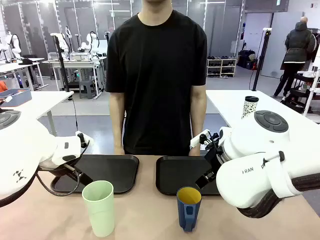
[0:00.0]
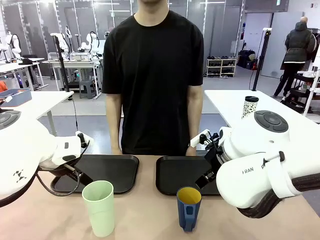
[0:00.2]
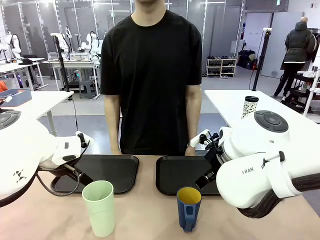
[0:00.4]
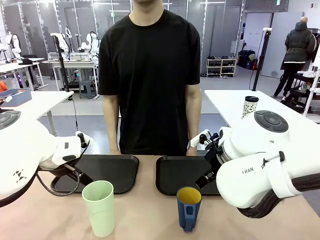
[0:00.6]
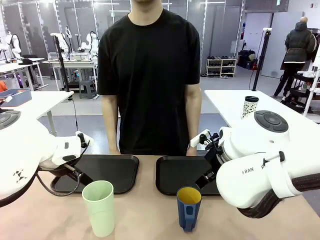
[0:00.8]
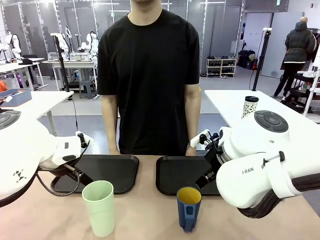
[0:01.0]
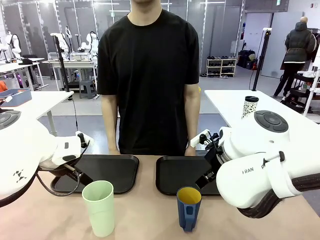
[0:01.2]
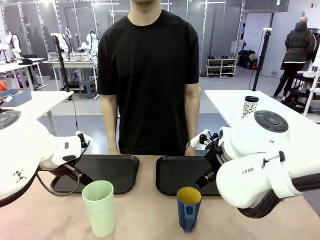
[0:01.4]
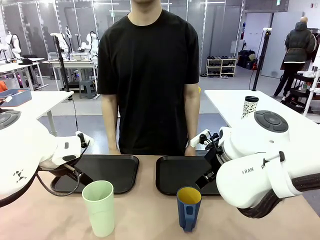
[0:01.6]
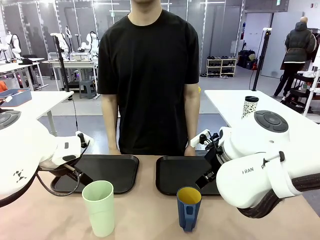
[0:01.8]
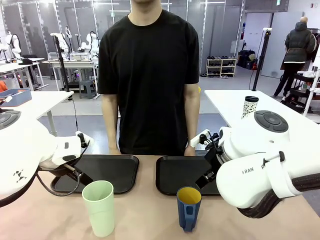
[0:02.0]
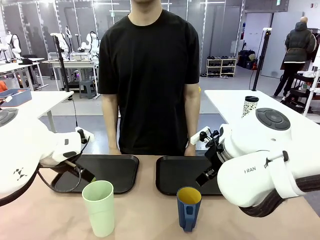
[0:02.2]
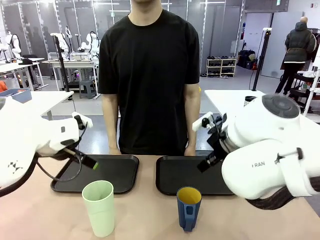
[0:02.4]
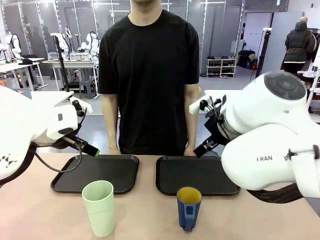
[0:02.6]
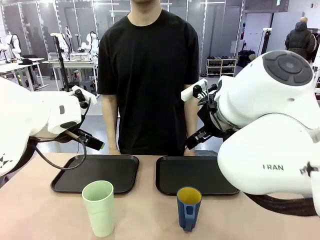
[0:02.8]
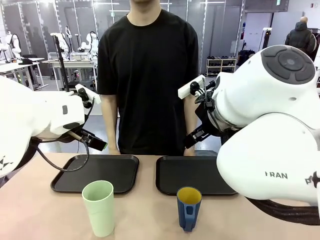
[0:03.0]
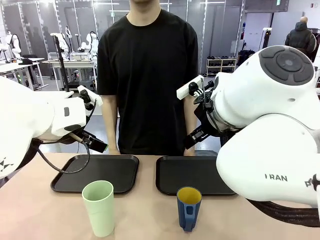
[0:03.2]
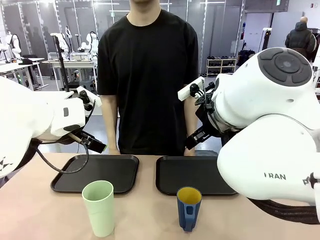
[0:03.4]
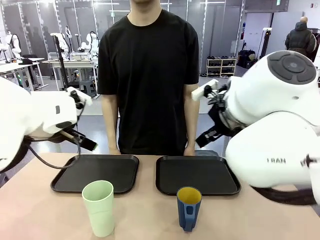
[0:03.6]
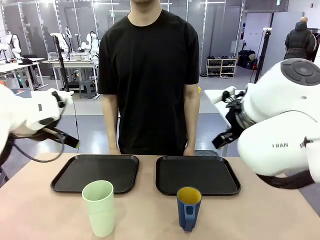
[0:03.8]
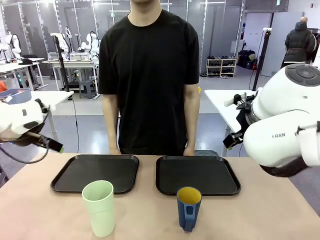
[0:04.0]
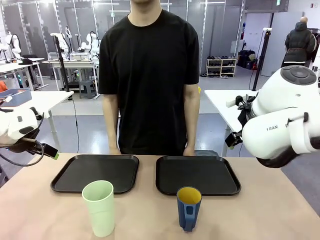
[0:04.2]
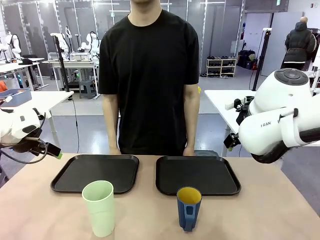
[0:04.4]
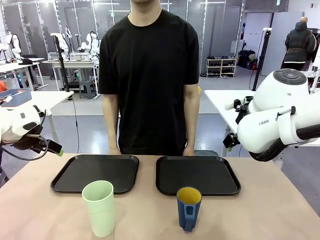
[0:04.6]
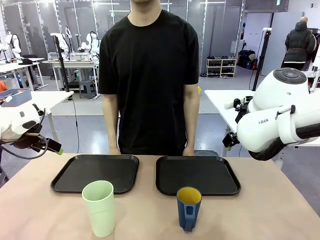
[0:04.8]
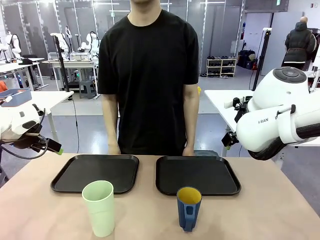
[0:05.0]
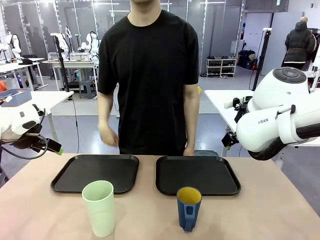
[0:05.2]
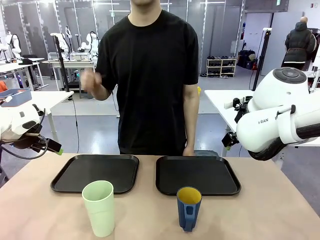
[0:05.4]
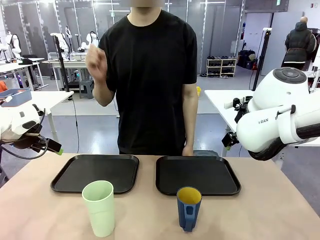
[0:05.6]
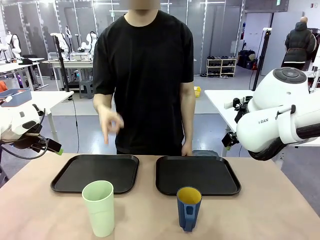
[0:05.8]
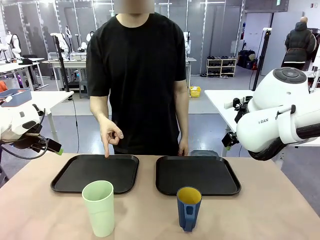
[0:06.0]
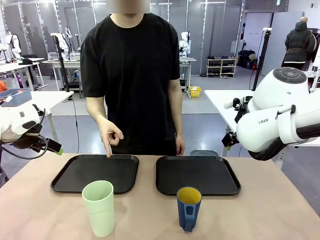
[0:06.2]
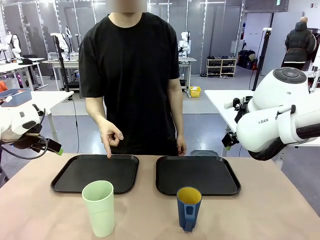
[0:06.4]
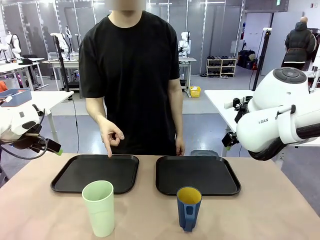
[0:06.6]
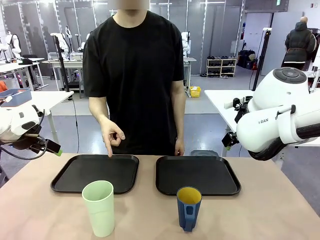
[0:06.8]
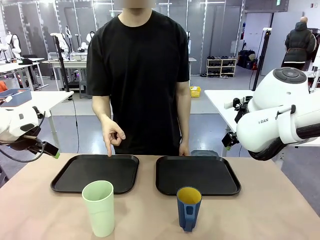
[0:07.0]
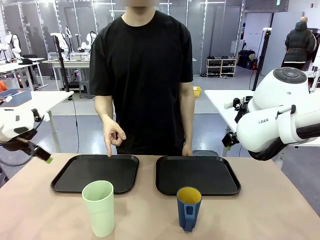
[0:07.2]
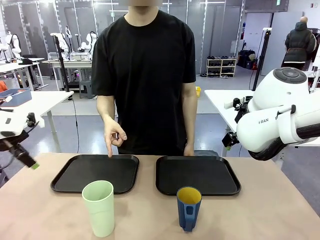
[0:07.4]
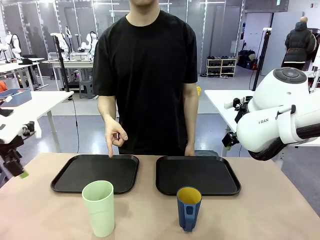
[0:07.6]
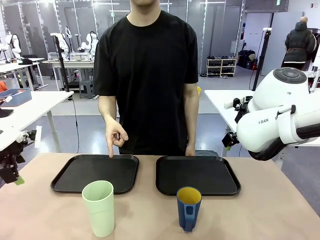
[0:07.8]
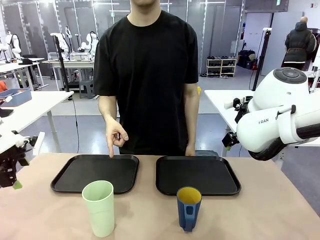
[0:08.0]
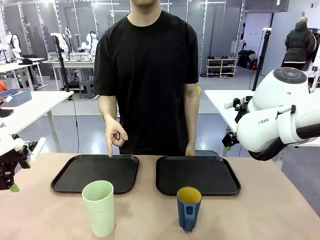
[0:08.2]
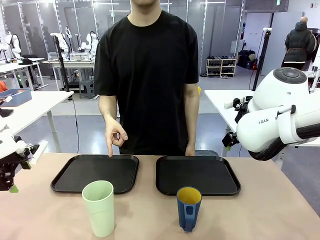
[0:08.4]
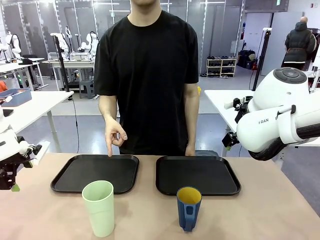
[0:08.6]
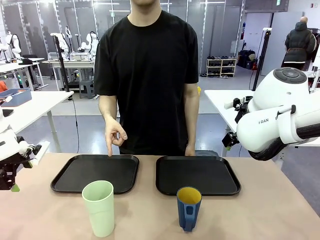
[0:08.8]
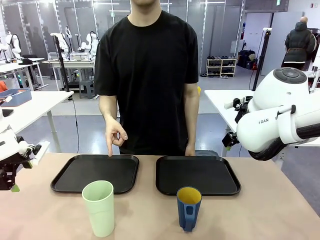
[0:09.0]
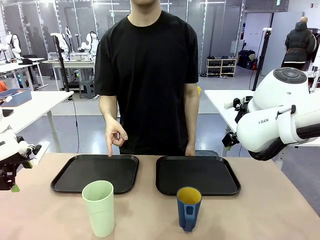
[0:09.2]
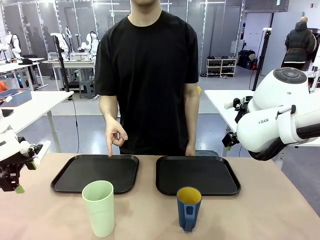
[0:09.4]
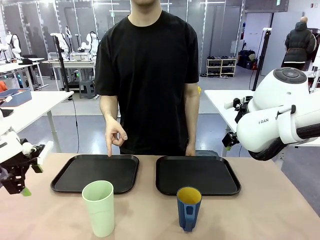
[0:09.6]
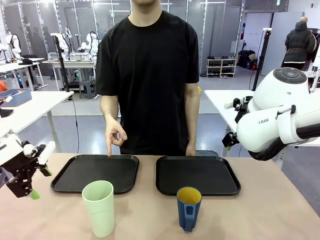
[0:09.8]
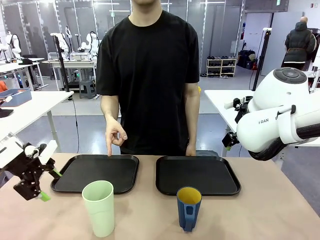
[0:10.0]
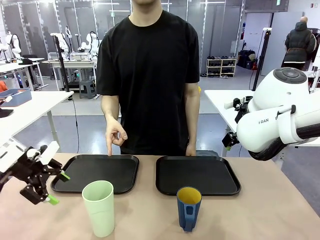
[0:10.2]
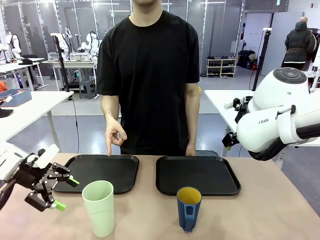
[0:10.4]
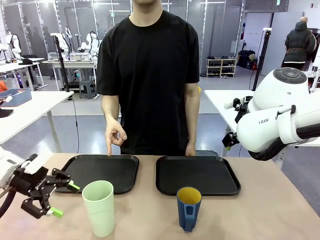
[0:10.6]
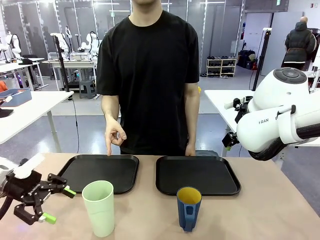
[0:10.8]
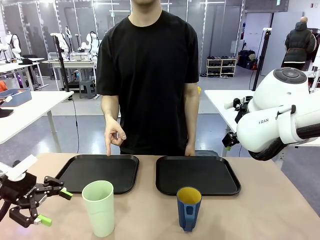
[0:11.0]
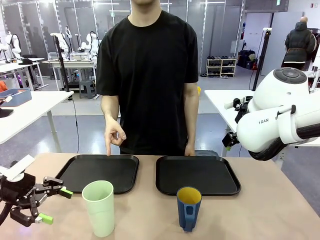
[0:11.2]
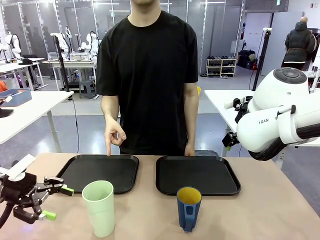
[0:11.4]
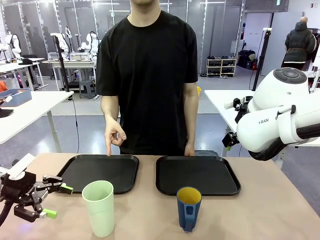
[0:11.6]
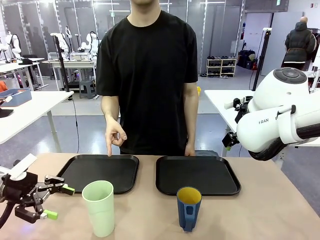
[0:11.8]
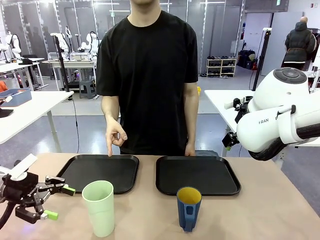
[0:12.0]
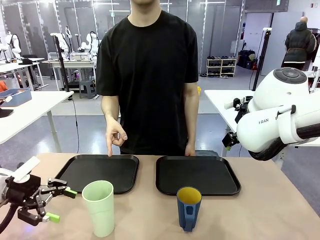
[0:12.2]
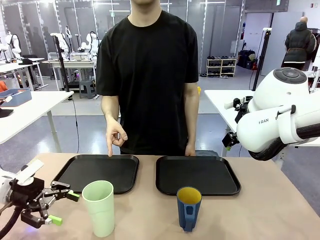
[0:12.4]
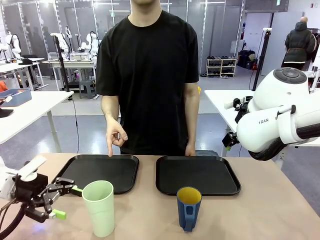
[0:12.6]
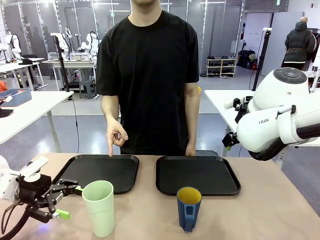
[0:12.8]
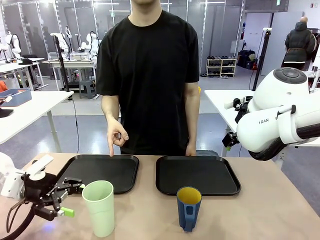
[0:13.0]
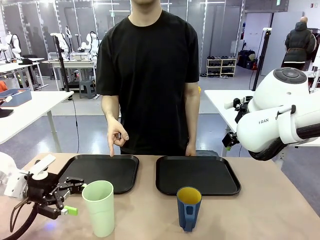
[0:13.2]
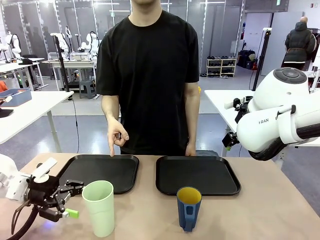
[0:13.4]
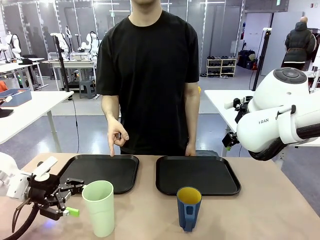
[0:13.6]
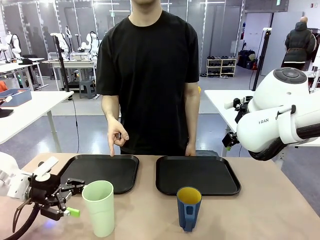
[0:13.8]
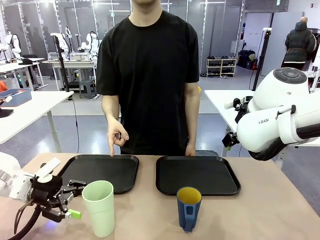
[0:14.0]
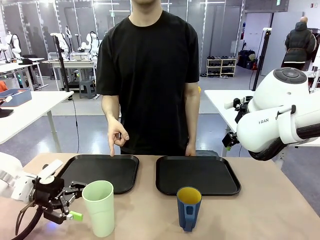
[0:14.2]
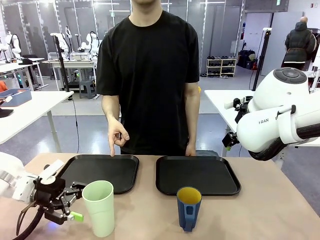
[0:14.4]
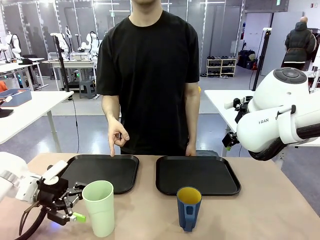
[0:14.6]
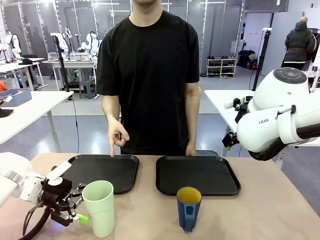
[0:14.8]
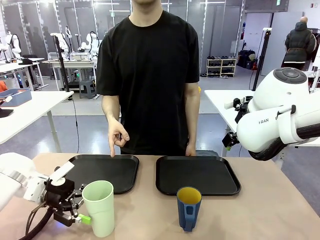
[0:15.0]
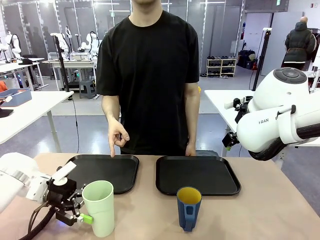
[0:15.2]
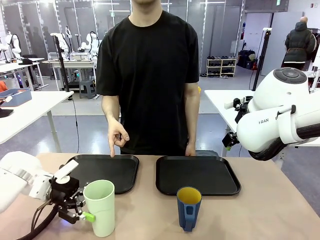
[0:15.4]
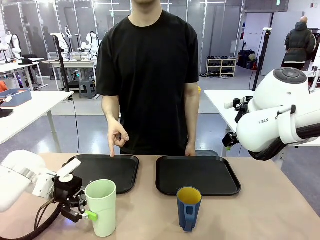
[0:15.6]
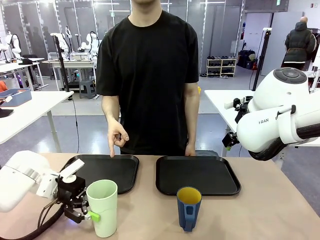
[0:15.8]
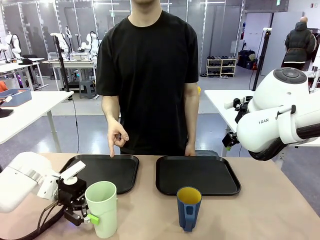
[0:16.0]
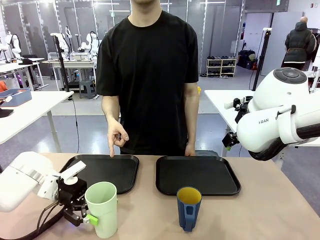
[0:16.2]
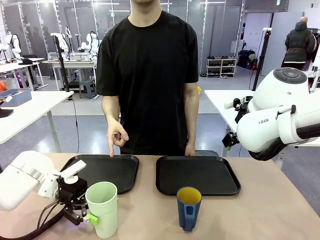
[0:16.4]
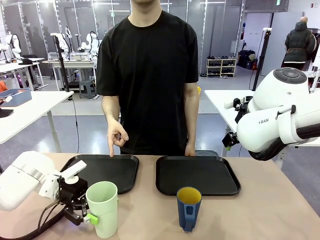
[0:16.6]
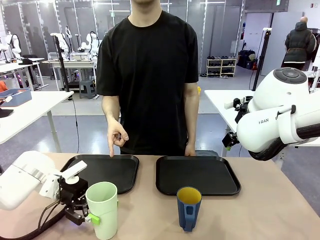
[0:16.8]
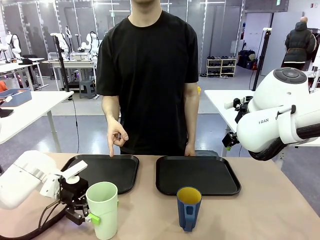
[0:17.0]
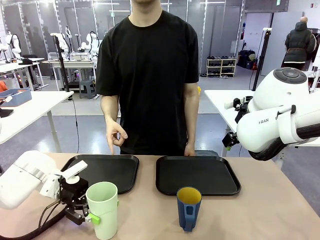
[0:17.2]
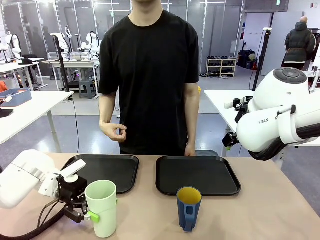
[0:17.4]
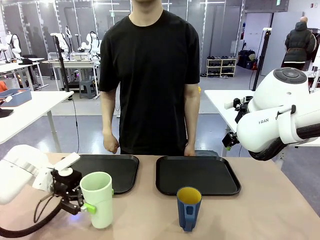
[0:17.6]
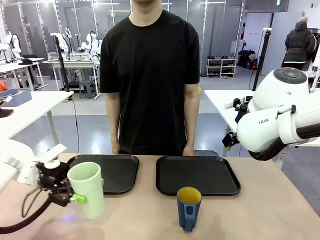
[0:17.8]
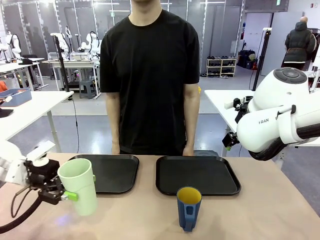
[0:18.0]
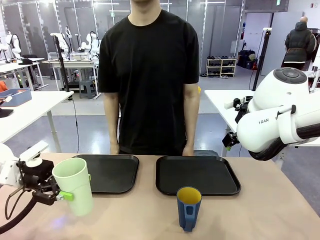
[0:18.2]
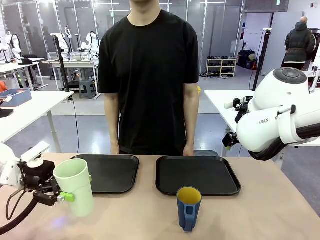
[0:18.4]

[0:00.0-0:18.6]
Task: Sort and store the cups by type.
Robot: Pick up the Reusable plastic cup.
Person: Points to the reusable cup. Point to one of the two trays.
